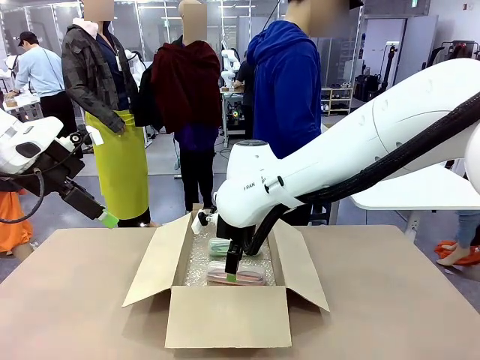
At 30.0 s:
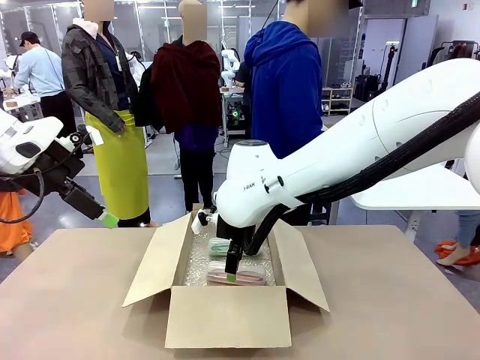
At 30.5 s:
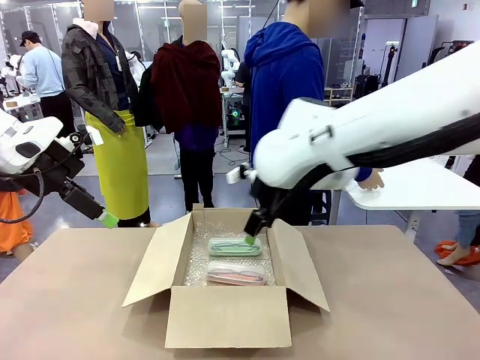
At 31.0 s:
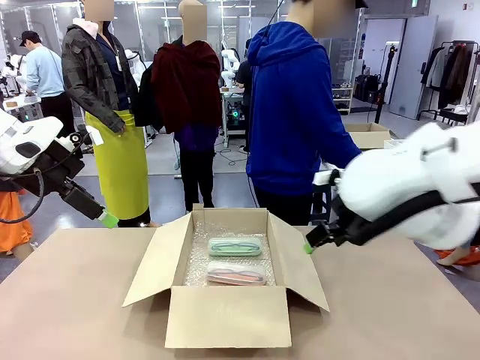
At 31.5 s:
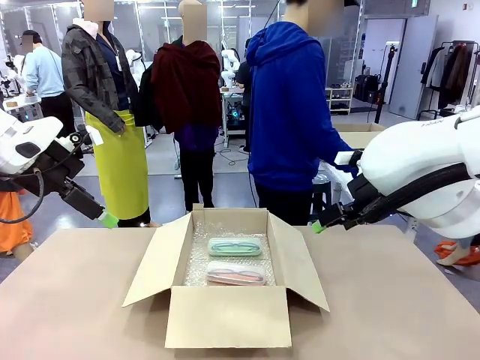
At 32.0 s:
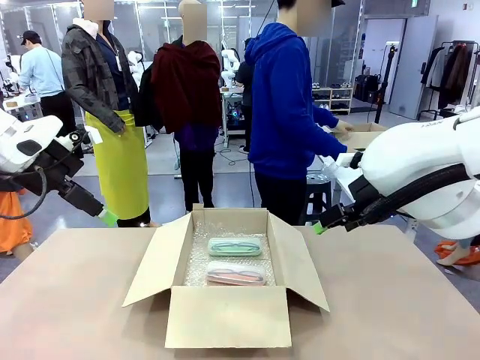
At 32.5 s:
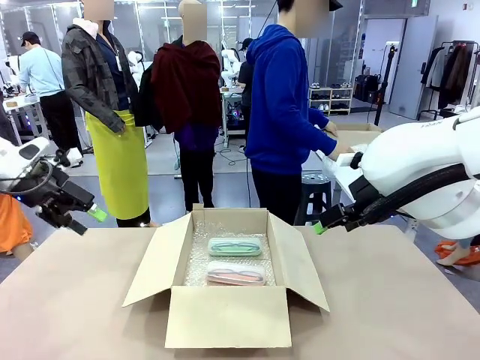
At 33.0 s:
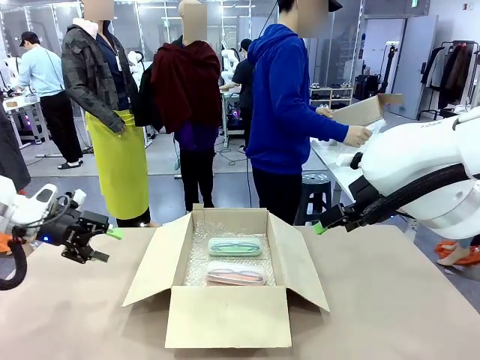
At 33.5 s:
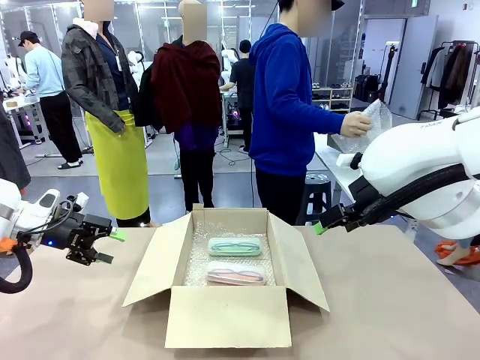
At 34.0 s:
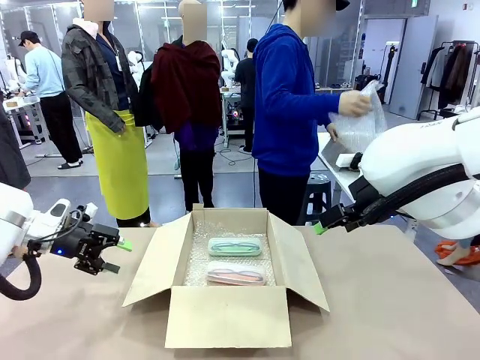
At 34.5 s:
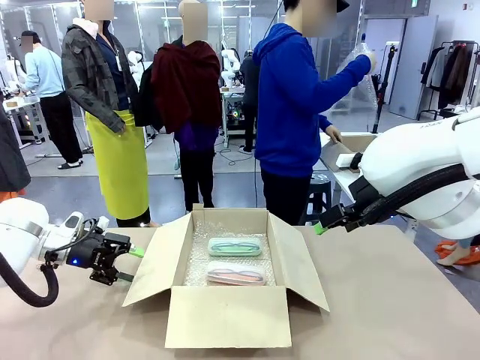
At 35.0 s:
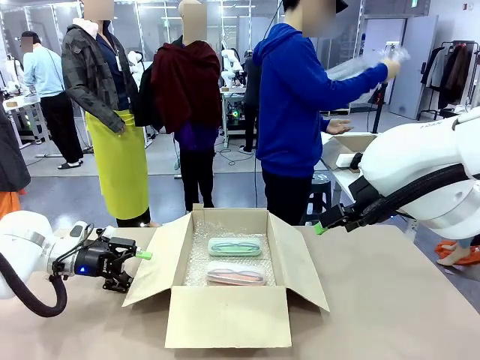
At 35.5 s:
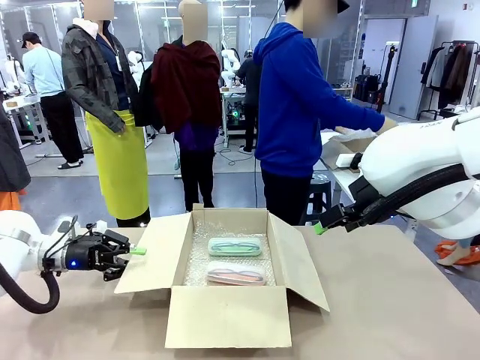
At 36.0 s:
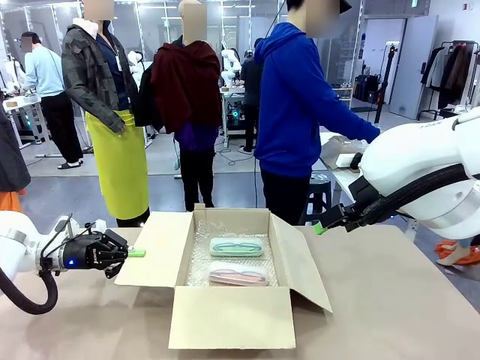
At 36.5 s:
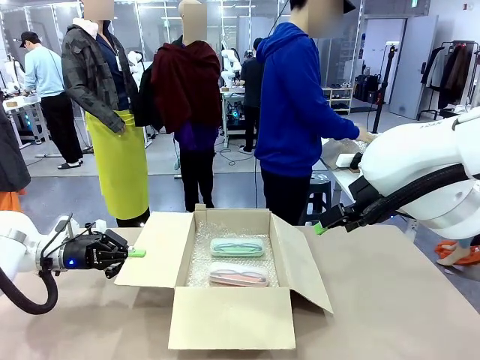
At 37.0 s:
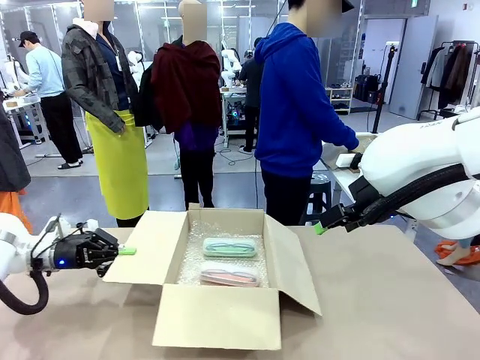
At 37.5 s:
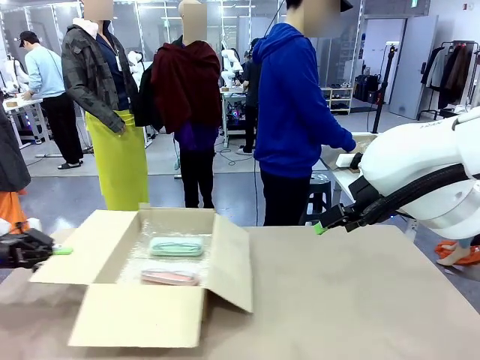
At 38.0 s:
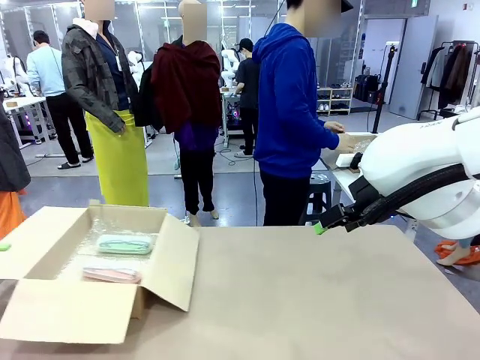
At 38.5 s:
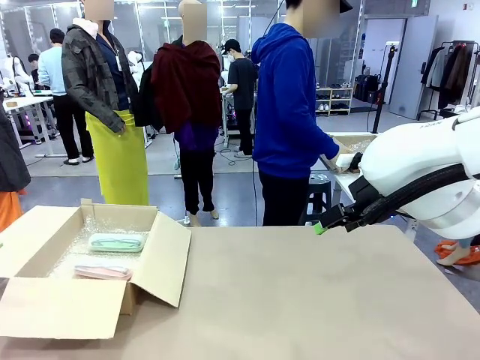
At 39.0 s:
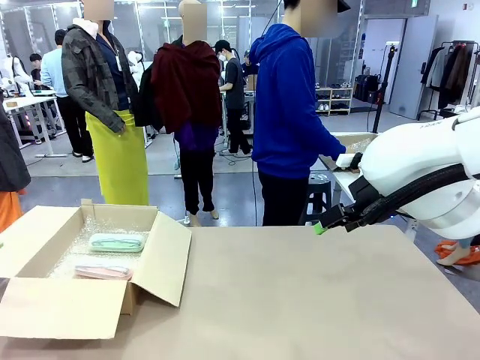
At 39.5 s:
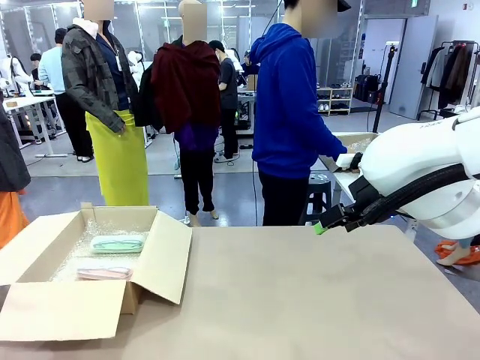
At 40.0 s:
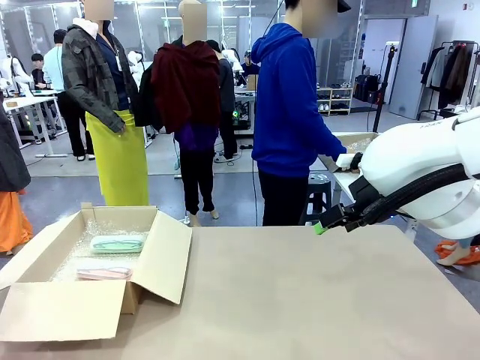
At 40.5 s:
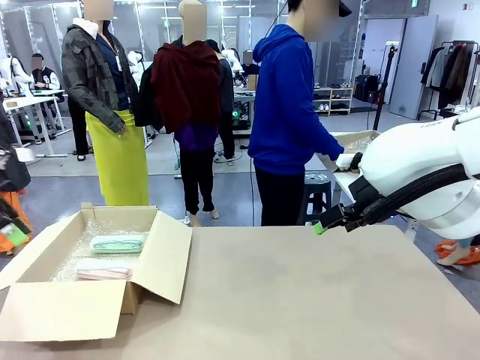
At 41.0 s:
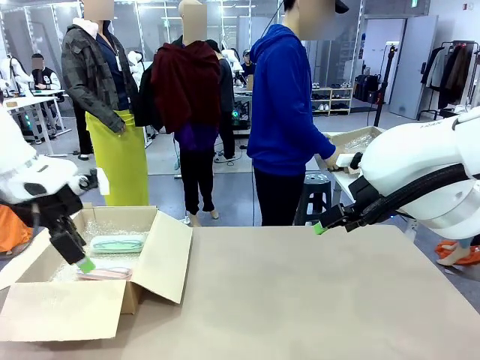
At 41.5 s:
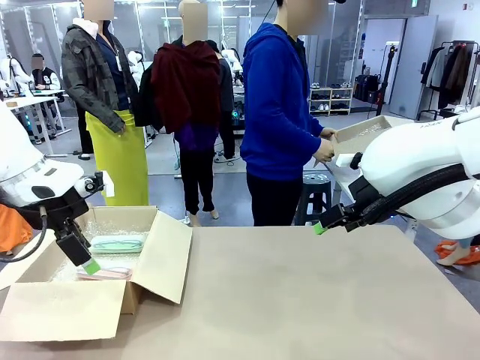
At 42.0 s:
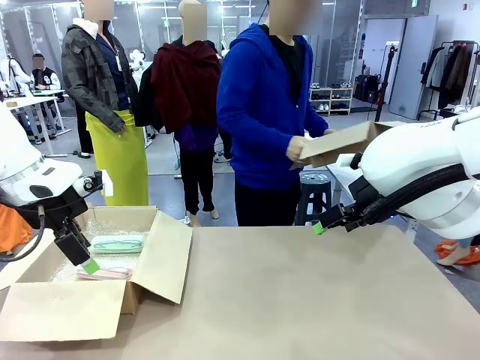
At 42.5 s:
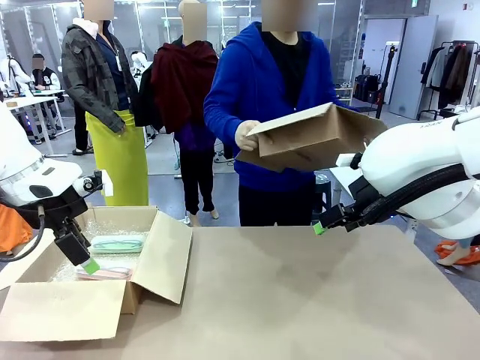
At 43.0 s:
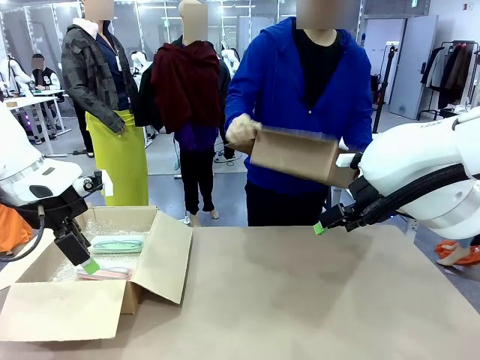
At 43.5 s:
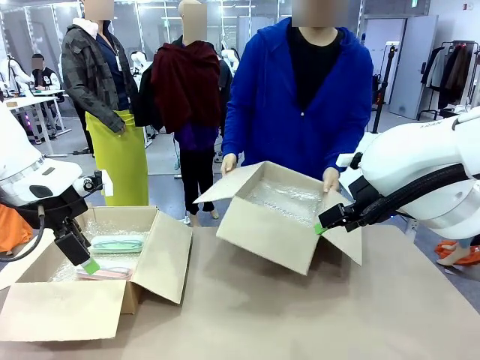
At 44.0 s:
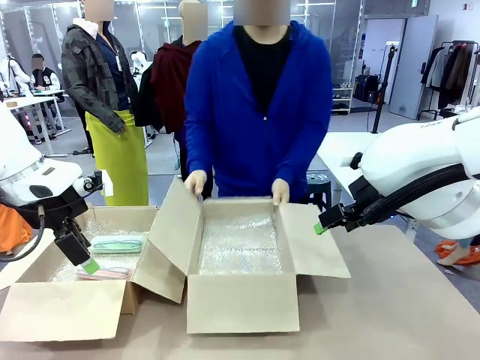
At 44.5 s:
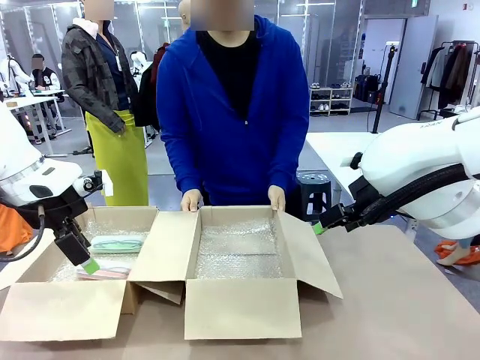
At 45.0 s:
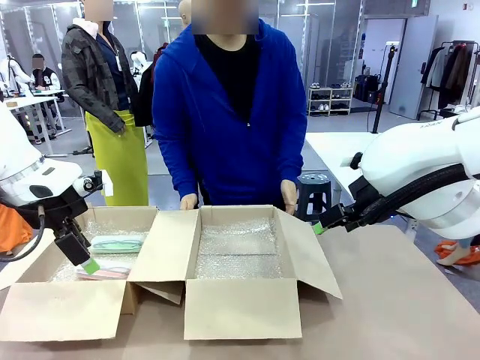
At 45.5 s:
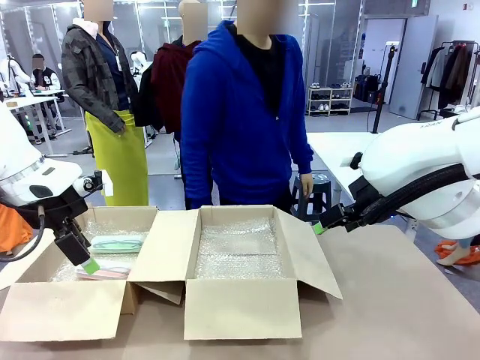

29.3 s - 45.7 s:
Task: Pack the glasses set securely to prepare it for shipping.
Robot: Position the Package Box on the left side of the table.
Person: Position the empty Package Box in the middle of the robot's table.

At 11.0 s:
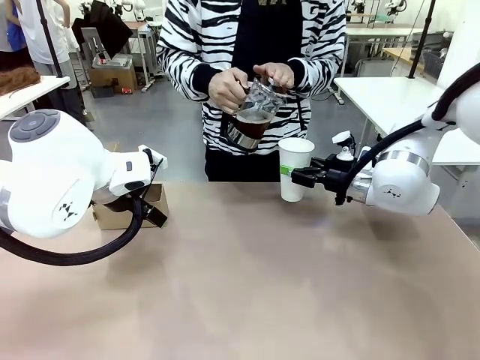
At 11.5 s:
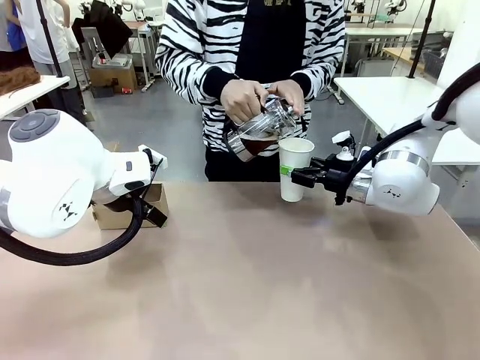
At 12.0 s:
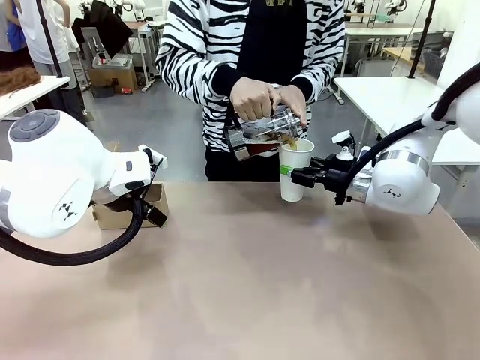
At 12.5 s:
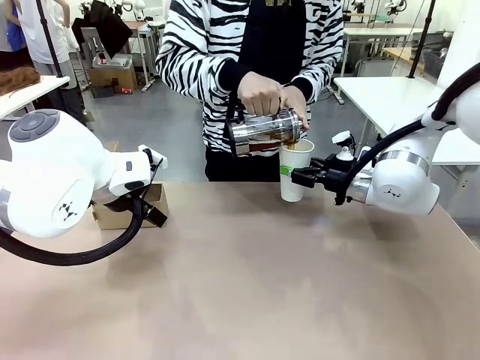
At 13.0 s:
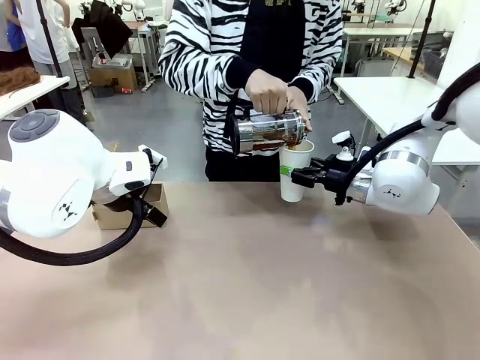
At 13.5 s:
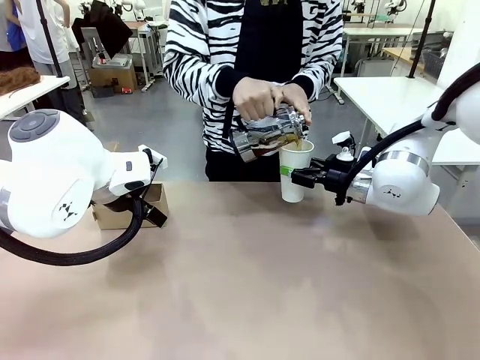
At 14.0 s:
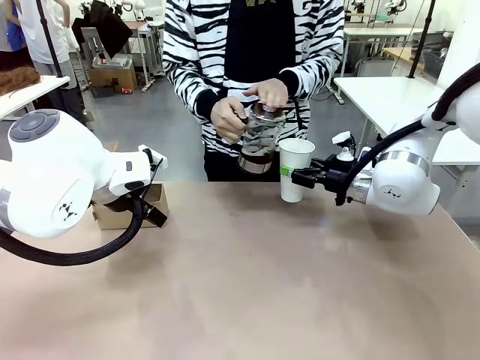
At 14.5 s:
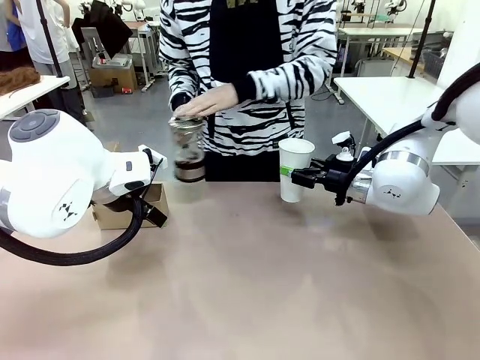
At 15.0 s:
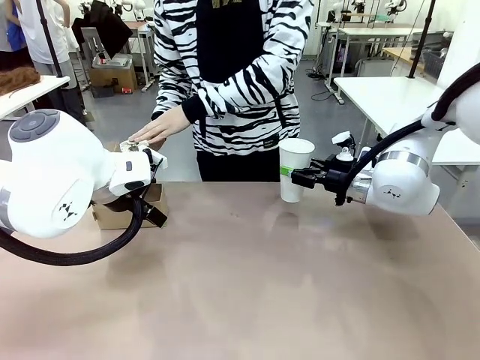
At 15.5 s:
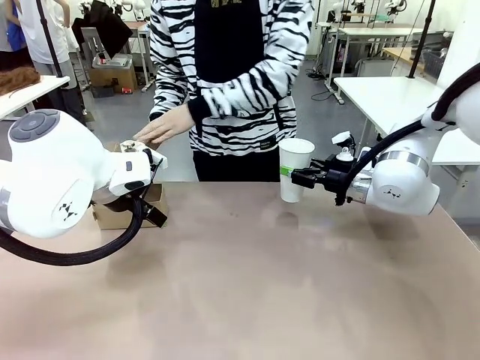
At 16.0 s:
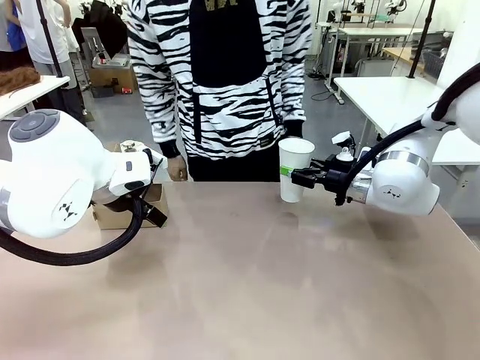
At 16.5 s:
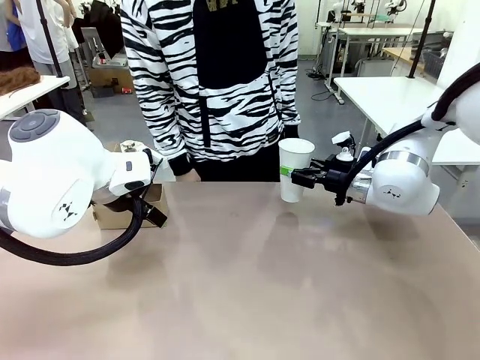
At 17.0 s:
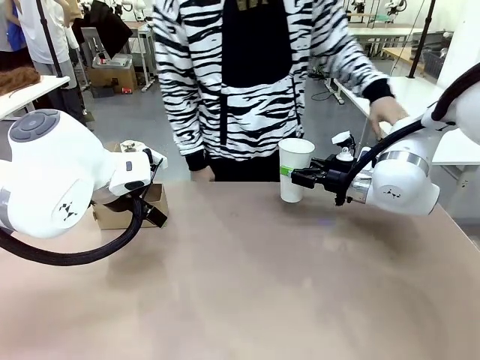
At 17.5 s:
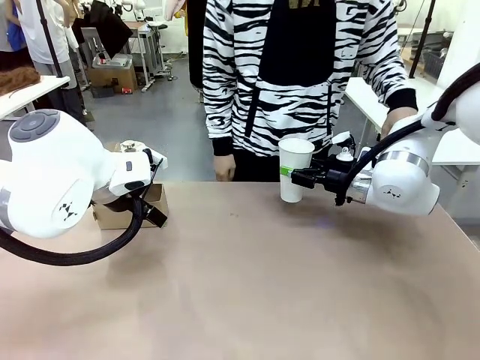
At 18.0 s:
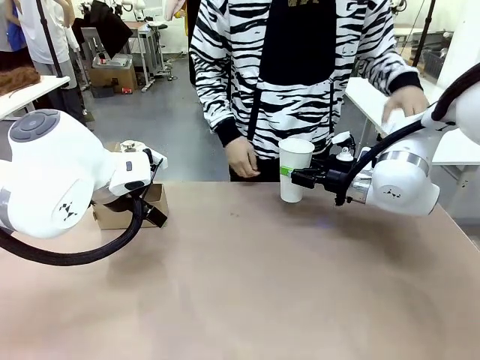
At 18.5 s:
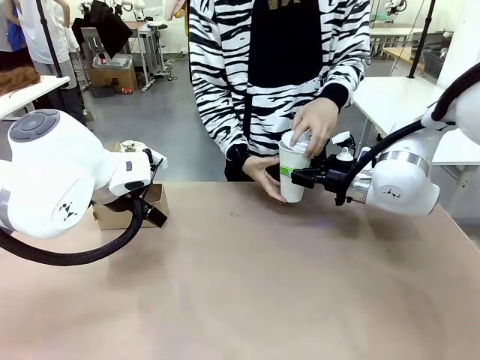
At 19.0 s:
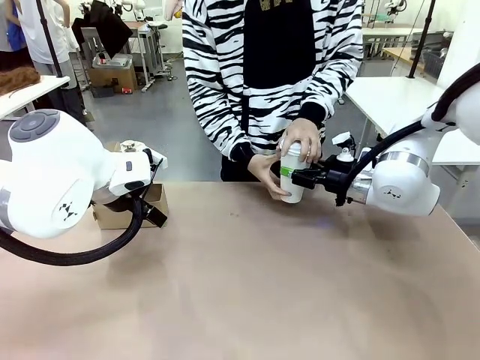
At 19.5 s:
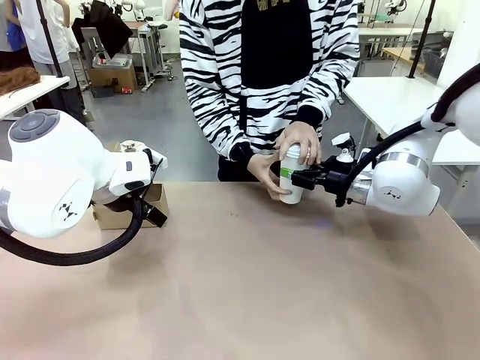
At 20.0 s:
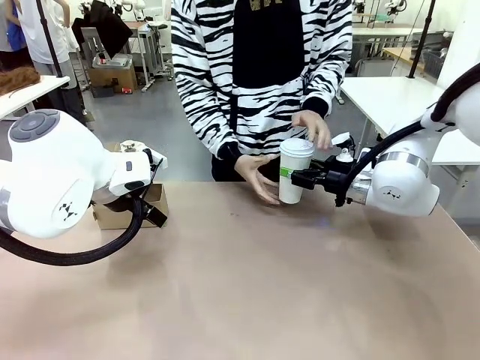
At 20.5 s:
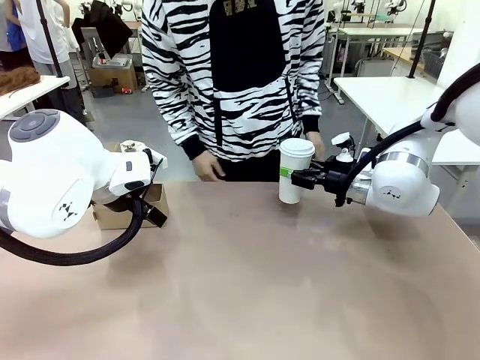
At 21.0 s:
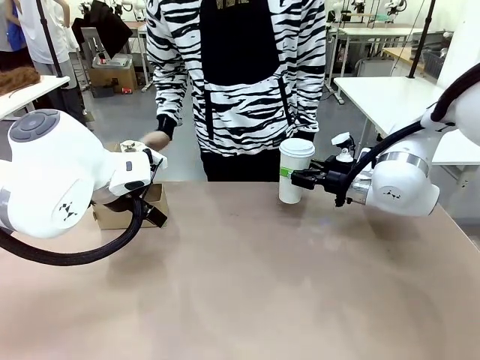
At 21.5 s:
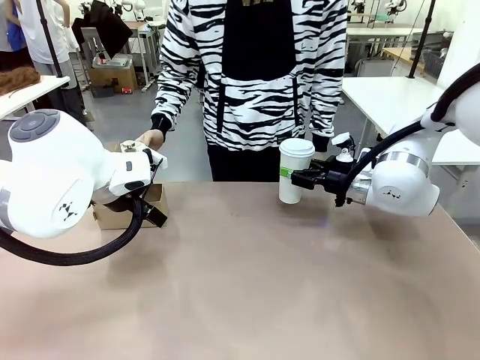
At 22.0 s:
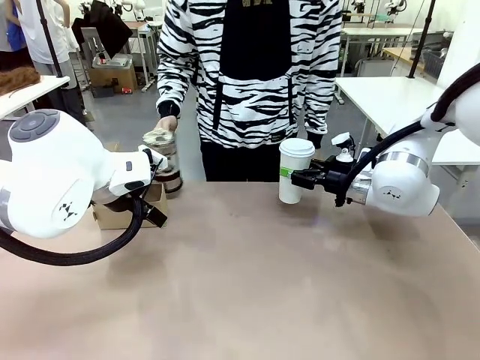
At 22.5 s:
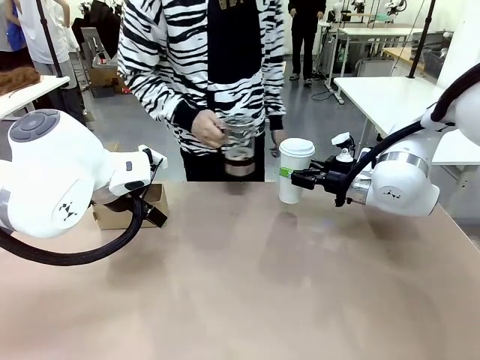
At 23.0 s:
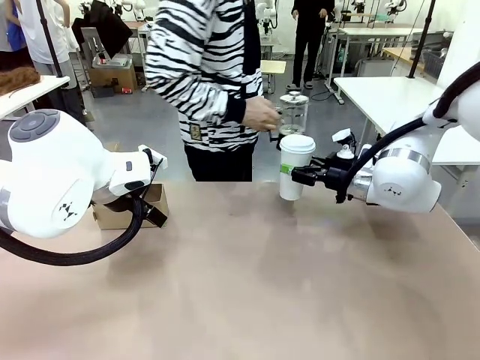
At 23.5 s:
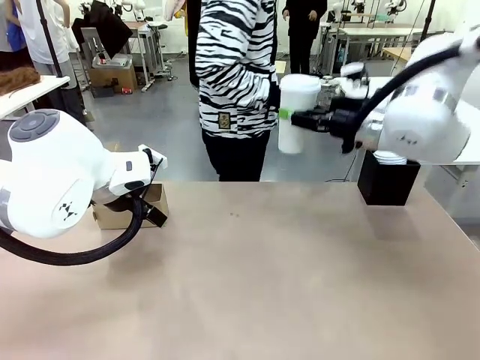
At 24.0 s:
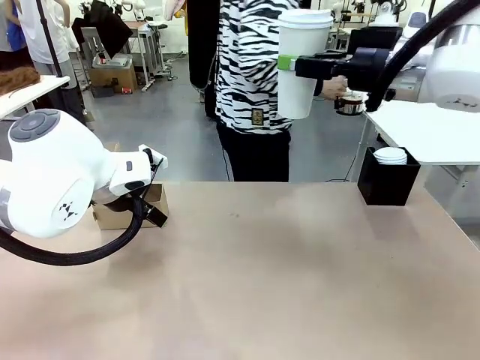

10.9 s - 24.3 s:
Task: Pour a drink into a cup and package it in a carrier.
Robot: When a person places the Paper Cup Lid on the 600 ml Paper Cup , lift the 600 ml Paper Cup.
Person: Pour the drink from the Filter Brewing into the 600 ml Paper Cup. Place a Paper Cup Lid on the 600 ml Paper Cup.
